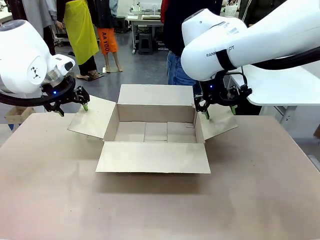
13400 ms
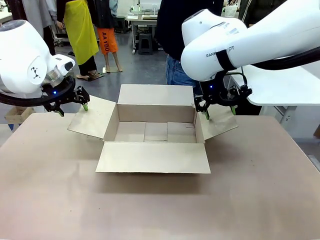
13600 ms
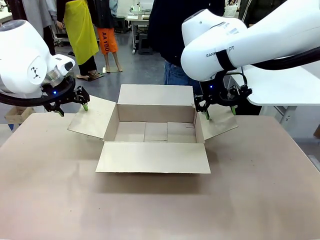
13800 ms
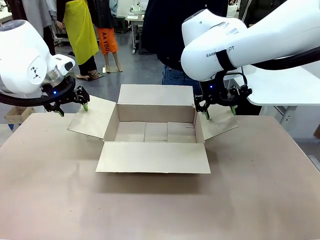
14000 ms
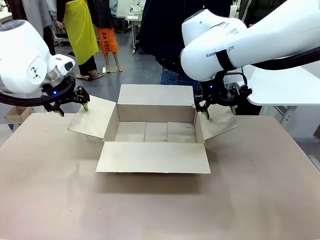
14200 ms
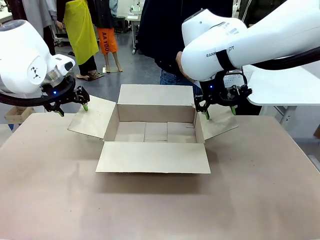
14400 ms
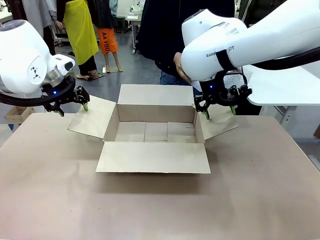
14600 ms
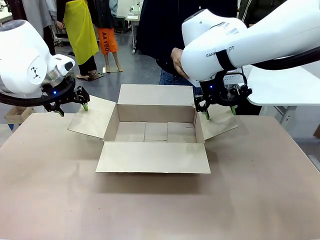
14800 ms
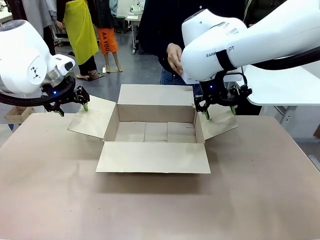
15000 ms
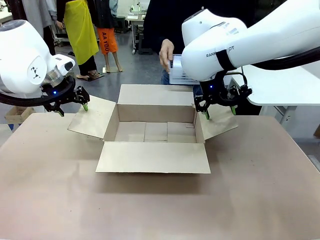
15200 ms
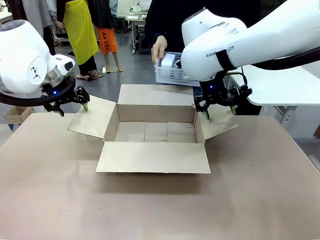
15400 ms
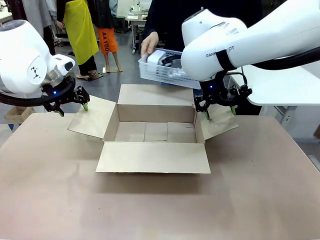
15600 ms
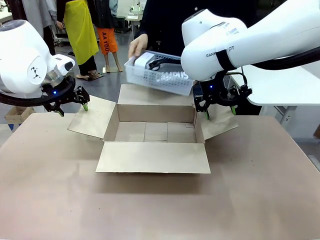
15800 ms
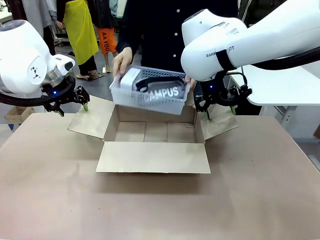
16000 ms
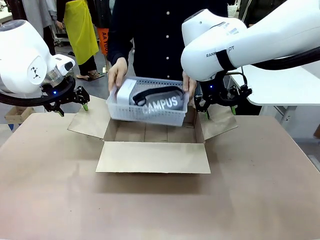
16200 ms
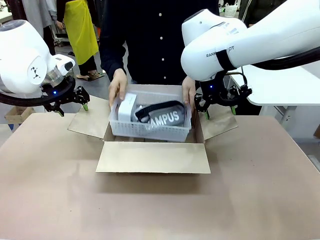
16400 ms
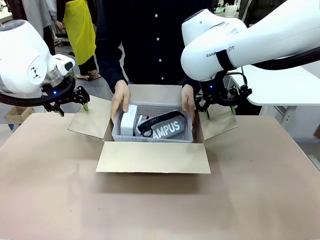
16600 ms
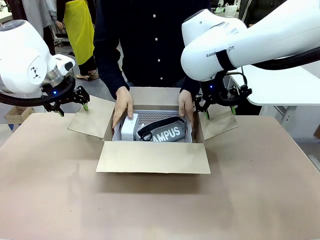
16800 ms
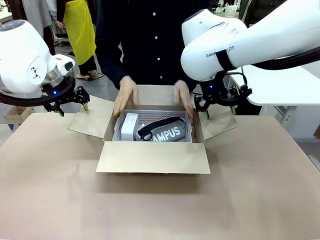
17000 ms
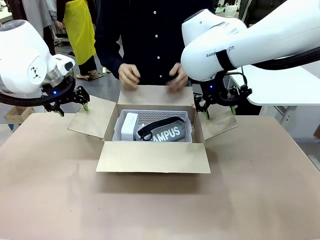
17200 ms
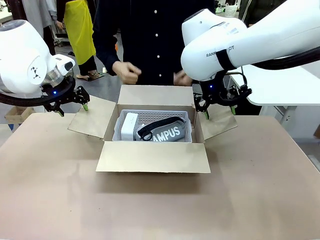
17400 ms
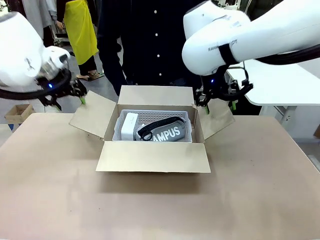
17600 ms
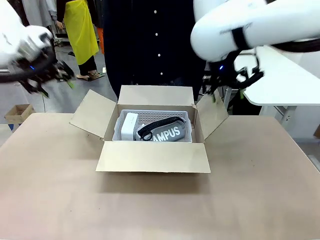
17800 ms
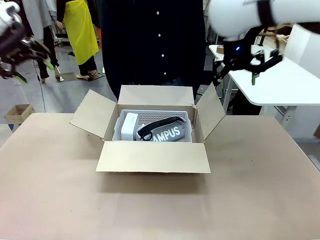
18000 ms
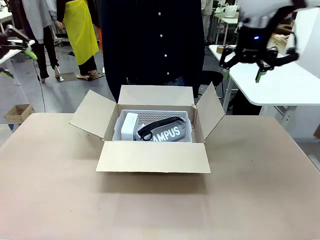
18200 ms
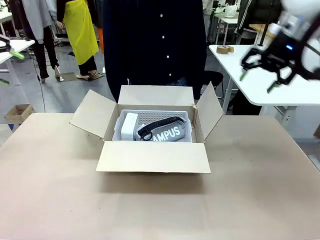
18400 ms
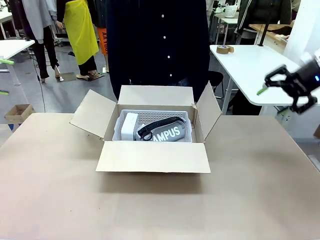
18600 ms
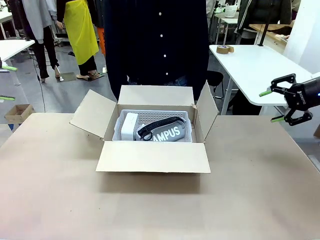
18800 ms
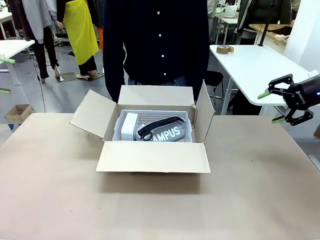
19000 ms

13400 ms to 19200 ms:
Task: Pack the gift set into the box.
Robot: Lift both hands away from the flaps of the Package Box.
Person: The human picks up the organizing basket and places the organizing basket into the package box on the robot table.

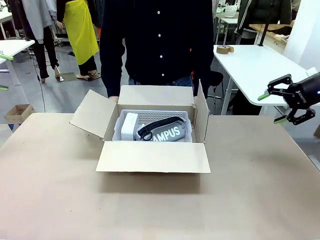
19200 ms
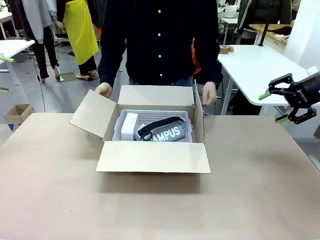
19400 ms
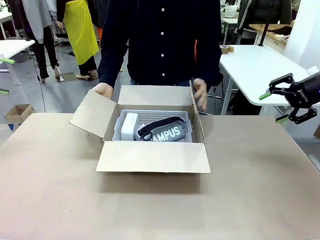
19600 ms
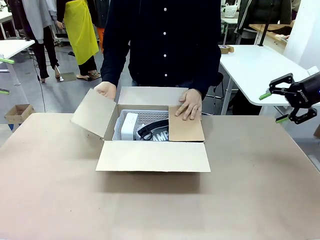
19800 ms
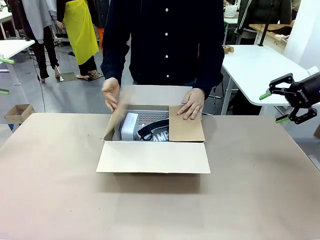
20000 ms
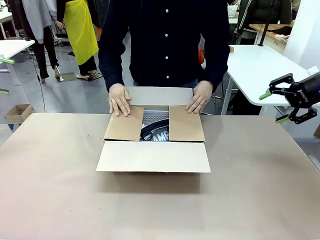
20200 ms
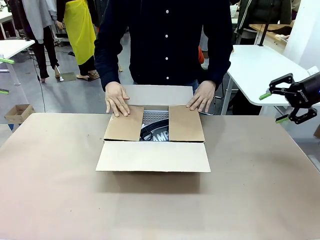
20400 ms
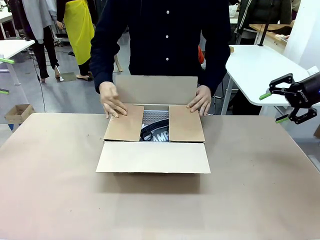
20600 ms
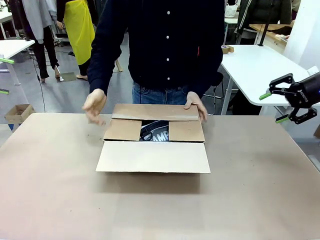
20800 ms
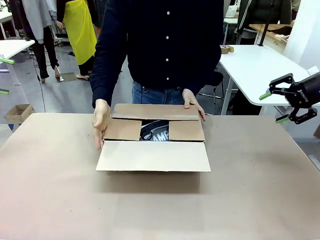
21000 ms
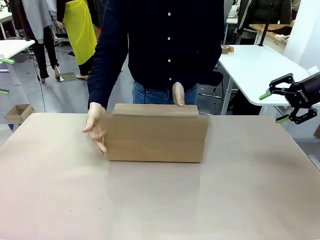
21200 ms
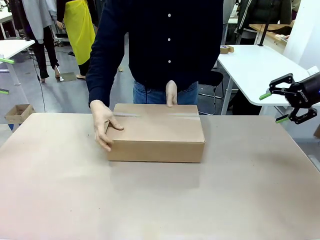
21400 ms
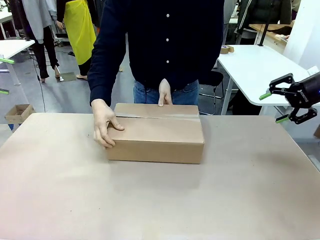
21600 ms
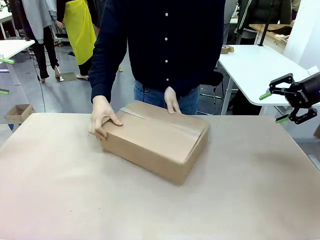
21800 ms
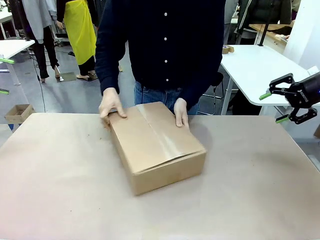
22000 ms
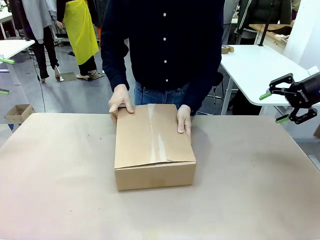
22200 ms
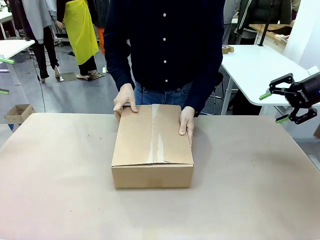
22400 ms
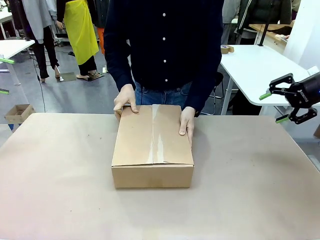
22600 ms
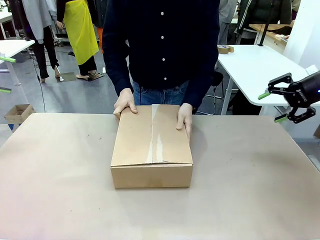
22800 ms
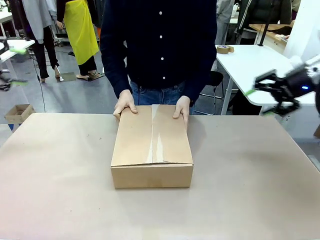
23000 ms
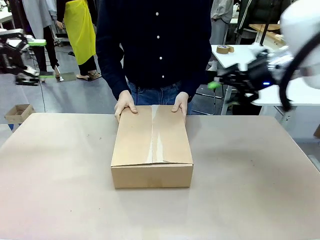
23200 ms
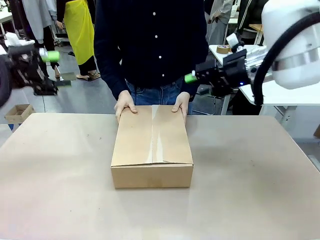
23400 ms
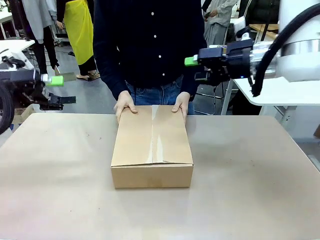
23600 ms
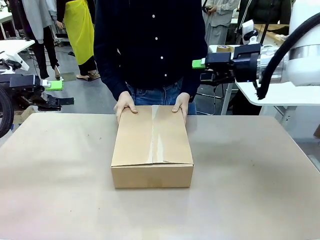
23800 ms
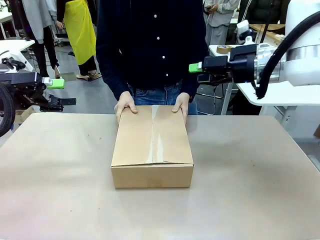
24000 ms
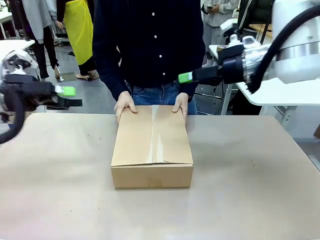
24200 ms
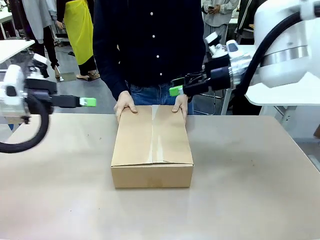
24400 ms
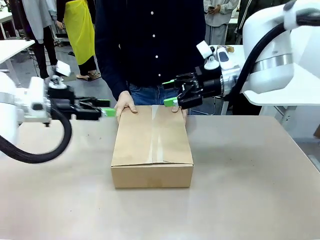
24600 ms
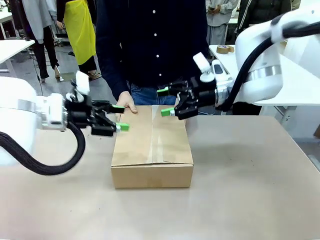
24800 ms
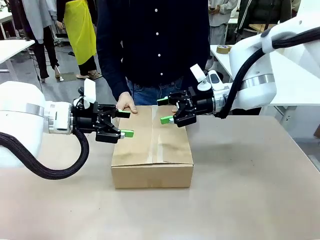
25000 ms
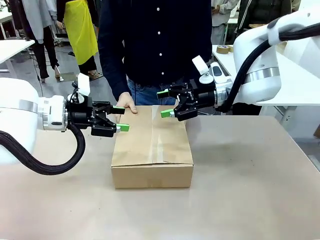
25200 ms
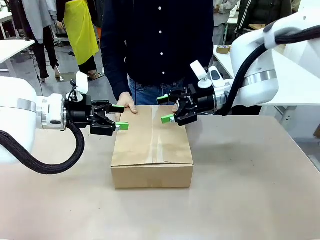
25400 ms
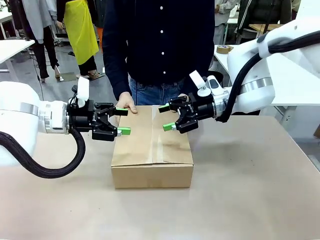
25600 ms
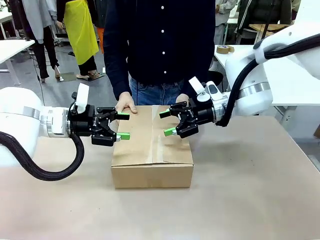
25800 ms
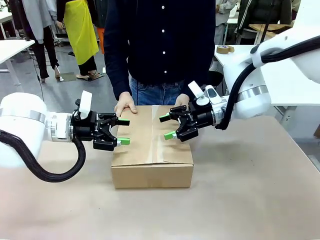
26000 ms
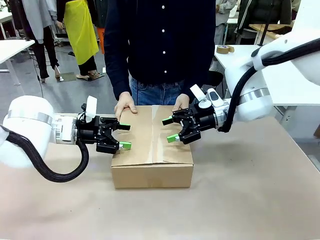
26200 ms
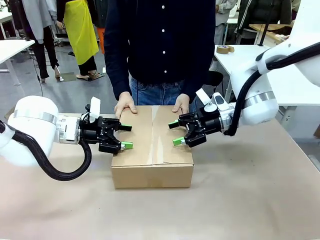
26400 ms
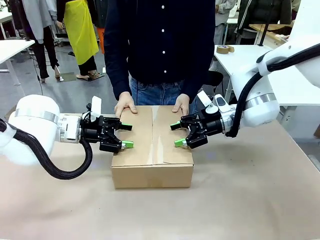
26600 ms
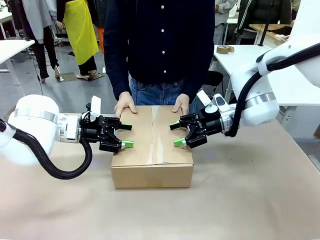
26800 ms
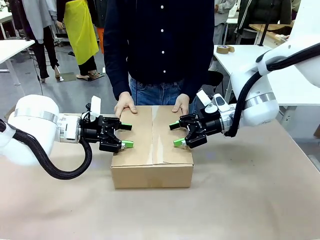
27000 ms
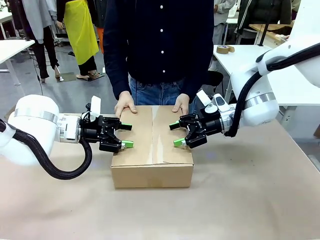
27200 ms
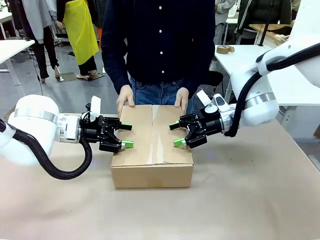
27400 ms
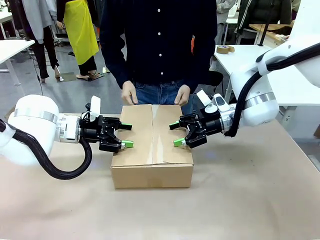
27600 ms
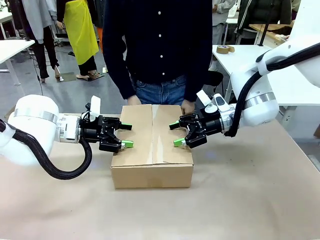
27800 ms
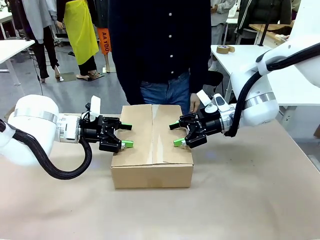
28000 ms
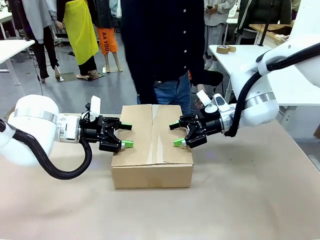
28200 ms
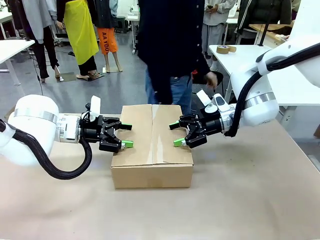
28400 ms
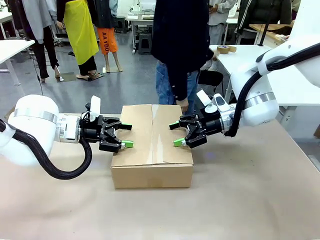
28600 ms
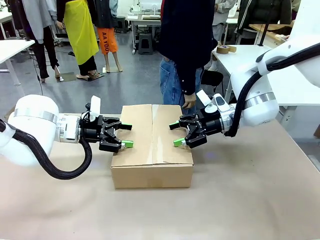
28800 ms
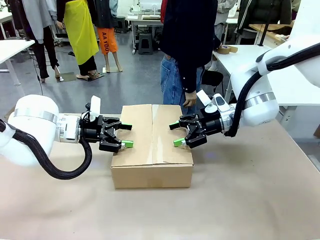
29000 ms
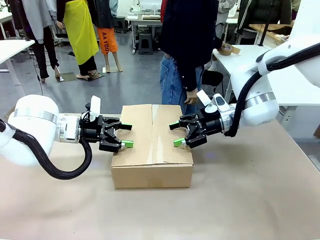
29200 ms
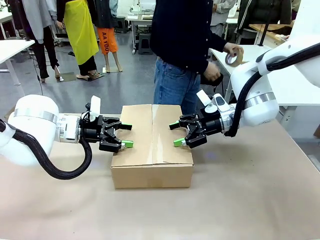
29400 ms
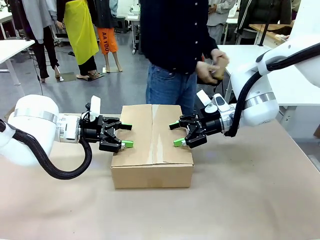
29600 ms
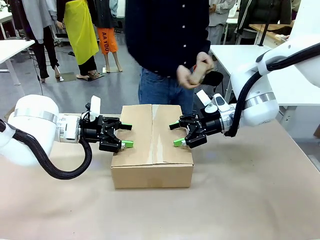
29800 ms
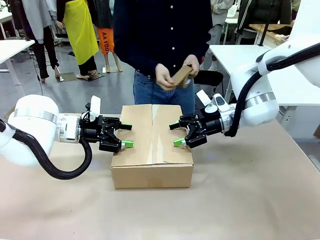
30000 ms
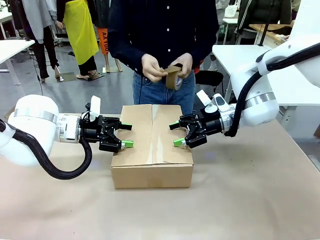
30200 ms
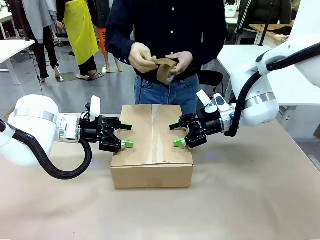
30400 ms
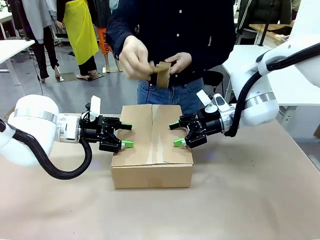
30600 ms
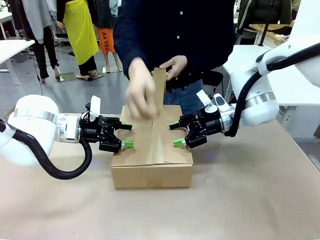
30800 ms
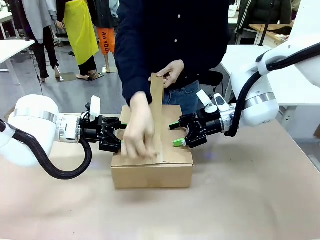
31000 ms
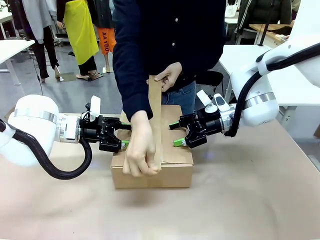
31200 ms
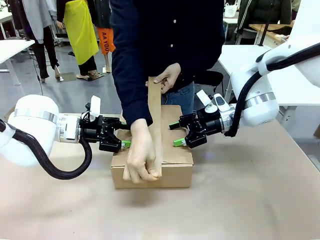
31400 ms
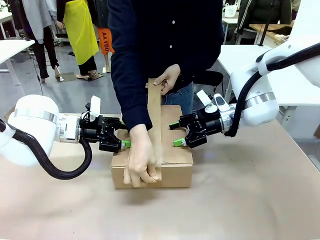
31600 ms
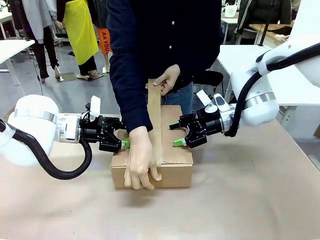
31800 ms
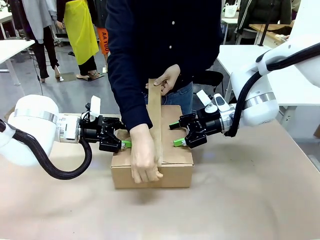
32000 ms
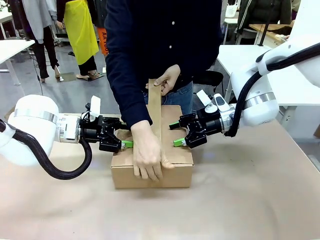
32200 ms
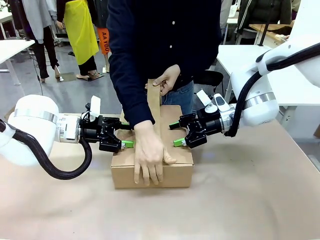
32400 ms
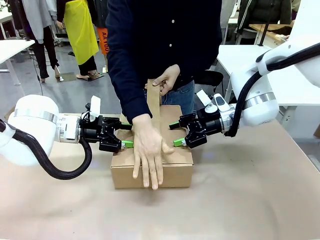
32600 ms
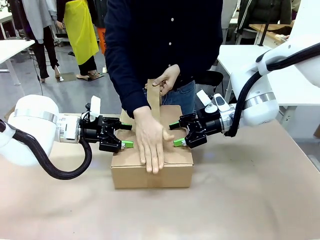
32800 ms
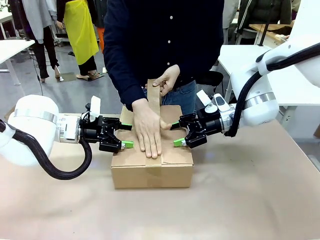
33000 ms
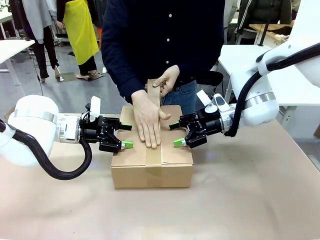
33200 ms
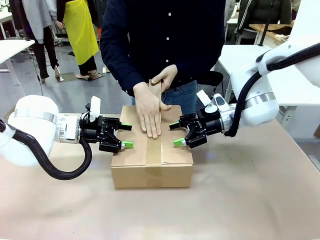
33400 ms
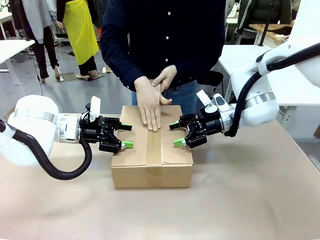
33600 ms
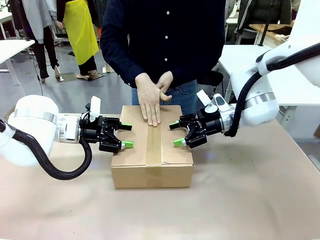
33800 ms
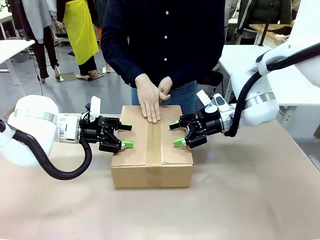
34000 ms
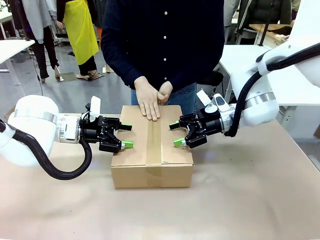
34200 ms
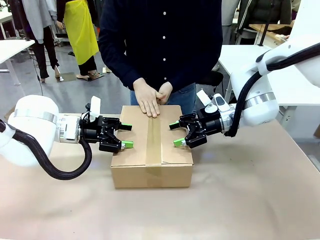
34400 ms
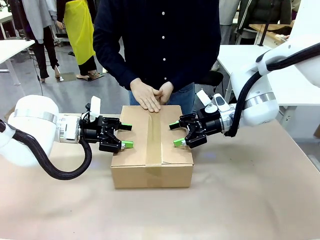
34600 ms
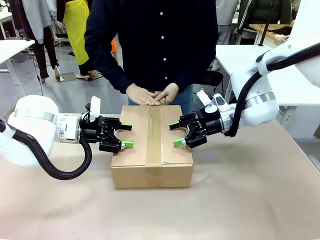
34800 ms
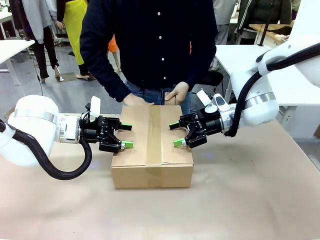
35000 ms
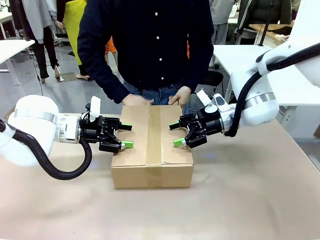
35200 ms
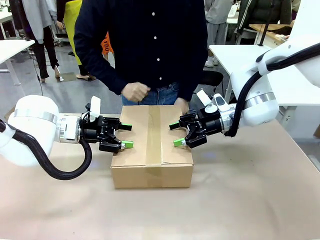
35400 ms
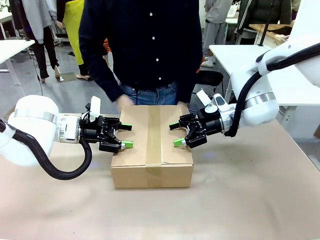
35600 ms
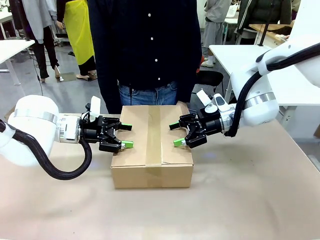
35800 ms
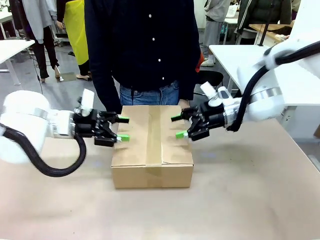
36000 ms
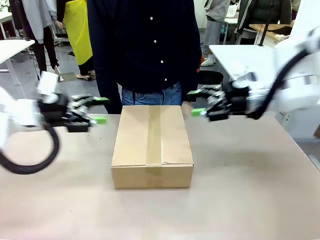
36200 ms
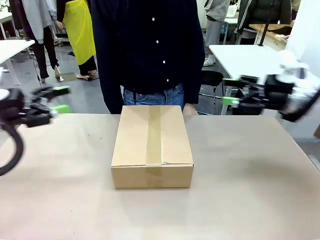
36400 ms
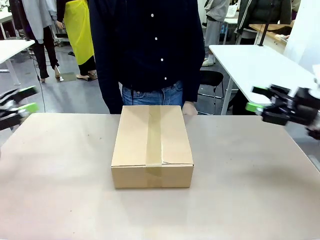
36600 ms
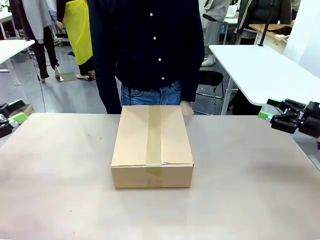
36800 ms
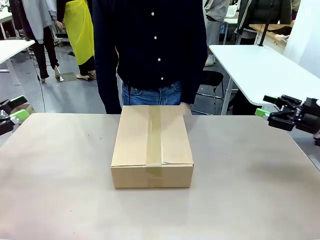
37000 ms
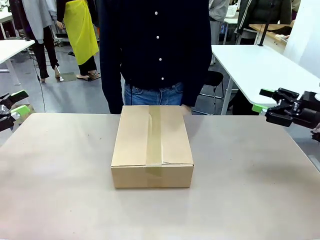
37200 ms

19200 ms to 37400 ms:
Robot: Press and hold the closed box until the human finishes sealing it.
Person: The human closes the box and rotates the box by 90 degrees. The human picks up the paper tape from the human table and packs the box.
